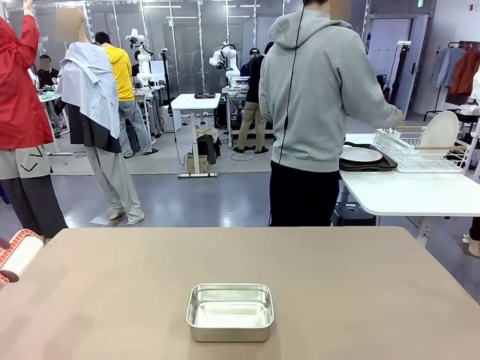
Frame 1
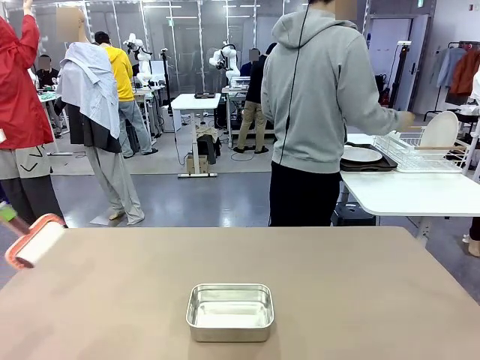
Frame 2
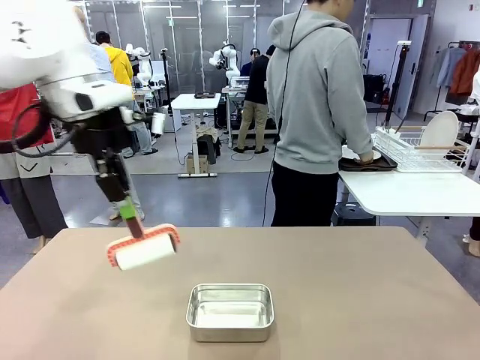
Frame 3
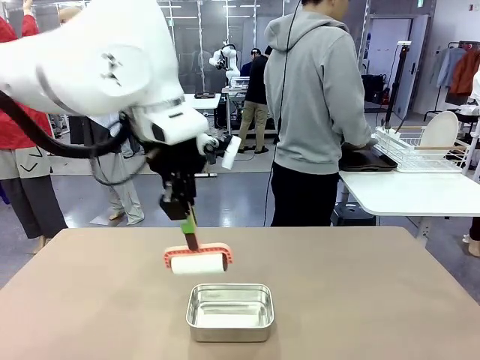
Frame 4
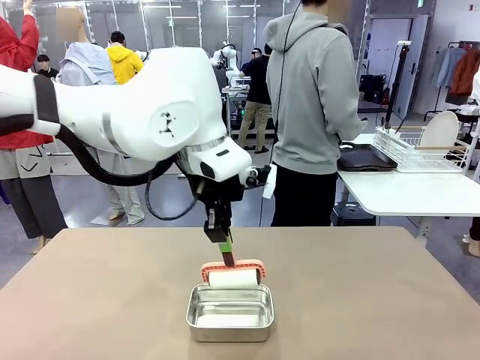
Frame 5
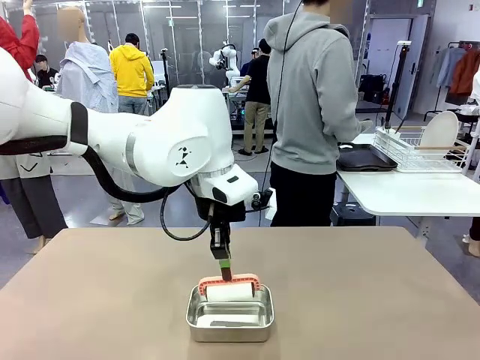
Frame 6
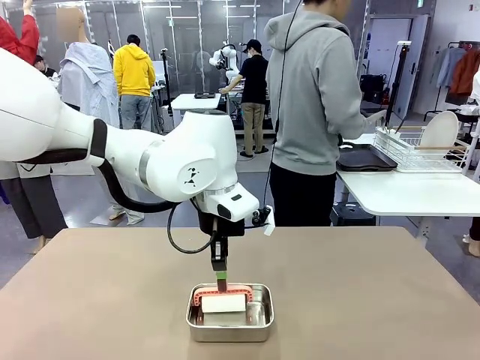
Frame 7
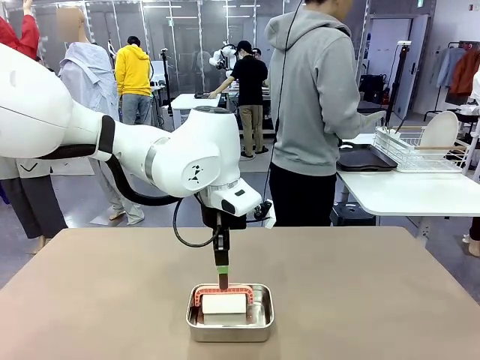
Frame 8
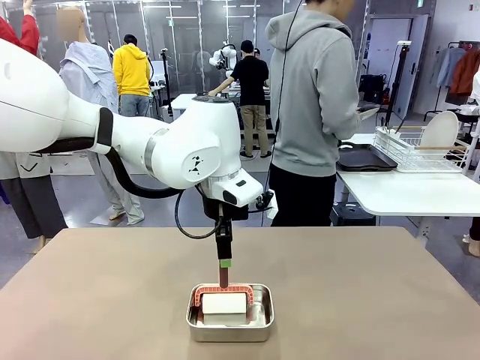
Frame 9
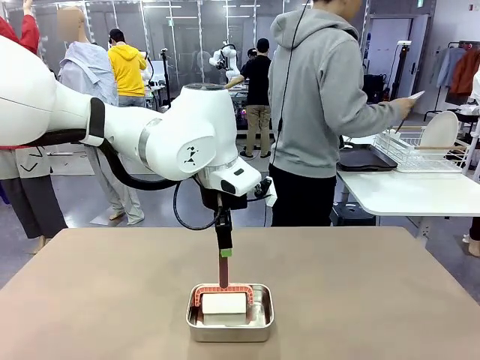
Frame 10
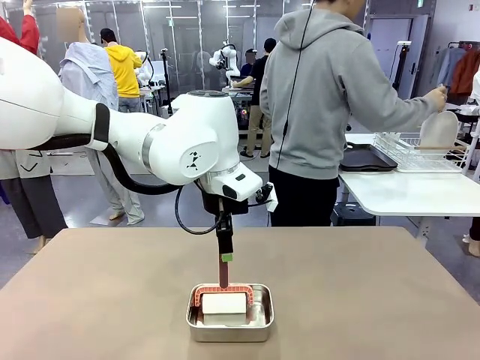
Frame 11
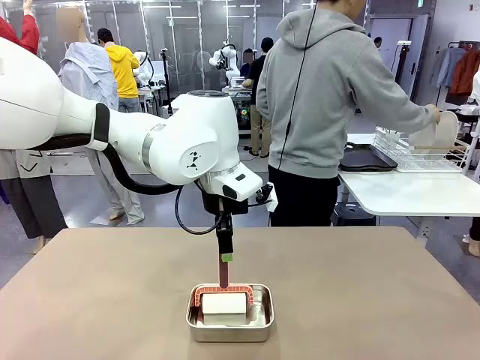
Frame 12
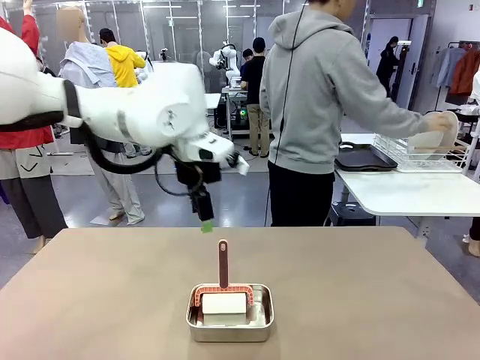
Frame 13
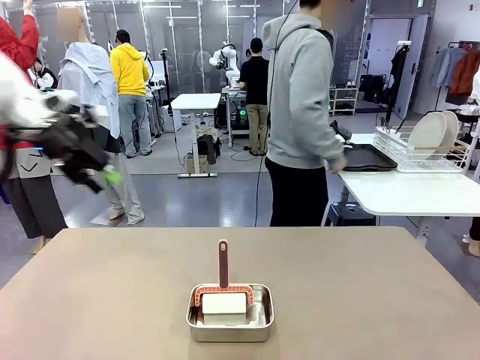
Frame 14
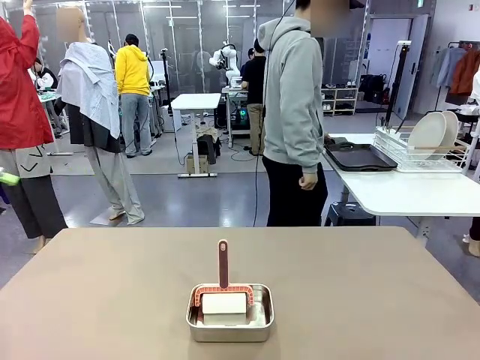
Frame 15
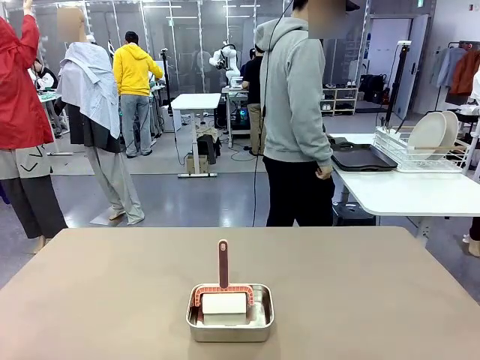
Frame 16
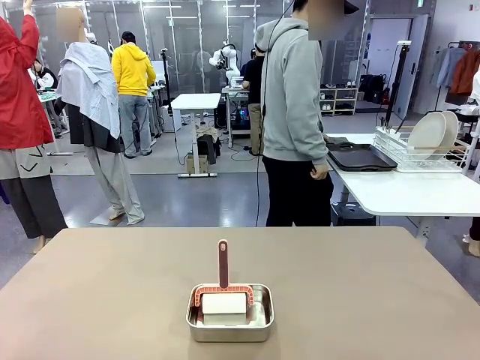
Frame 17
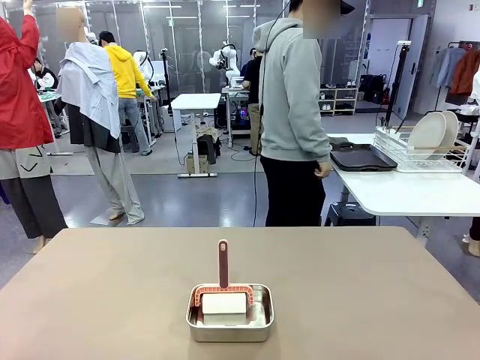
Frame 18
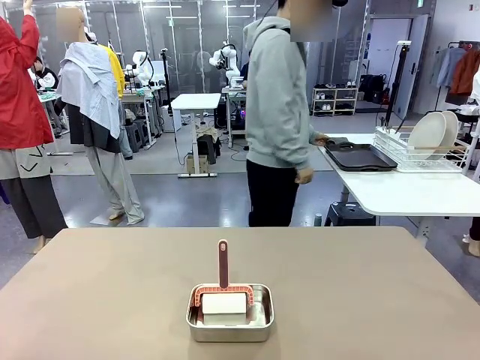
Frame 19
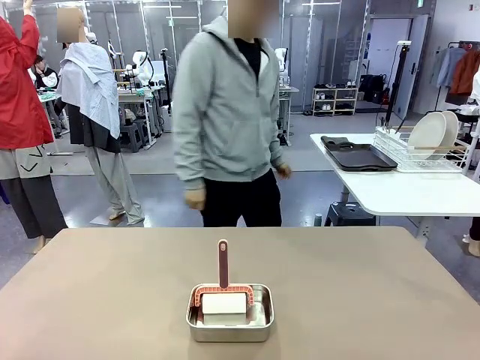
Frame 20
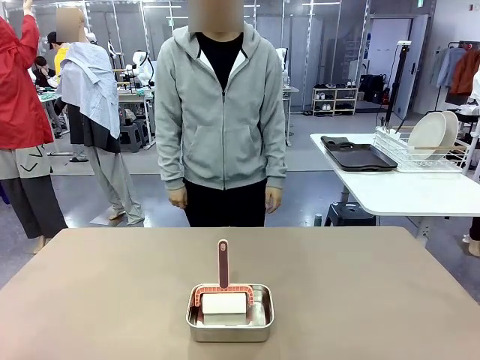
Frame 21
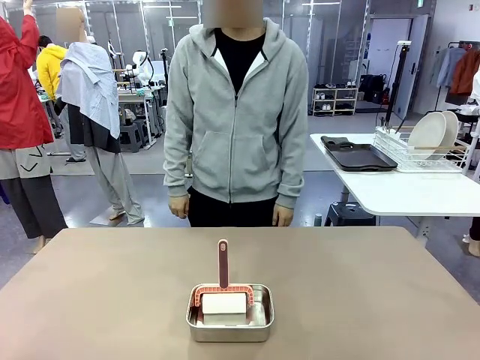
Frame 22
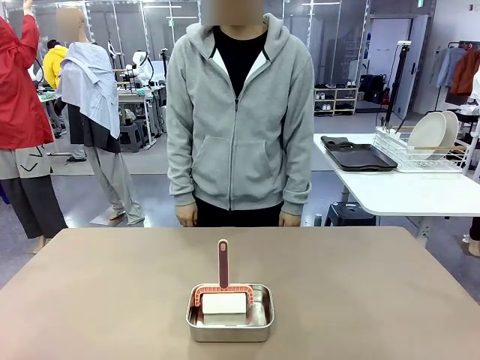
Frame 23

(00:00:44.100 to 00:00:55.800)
Robot: Place the Lint Roller back on top of the Airtight Container.
Person: Use the Towel with hook to wipe the Plastic Matte Plate , Fork , and Knife and place into the Dish drying rack.
